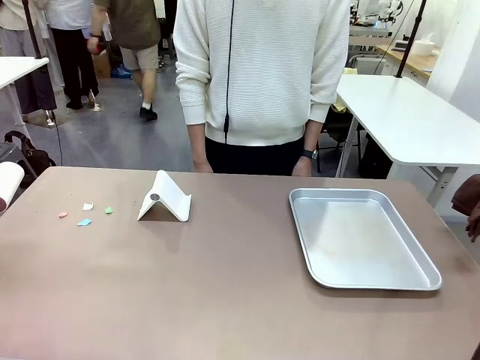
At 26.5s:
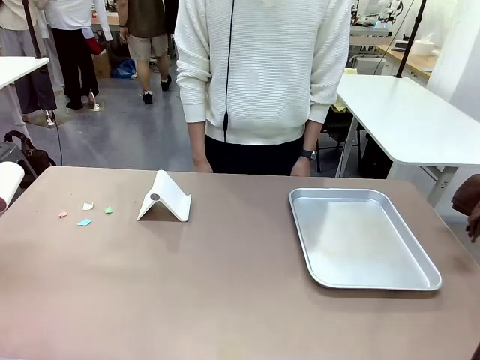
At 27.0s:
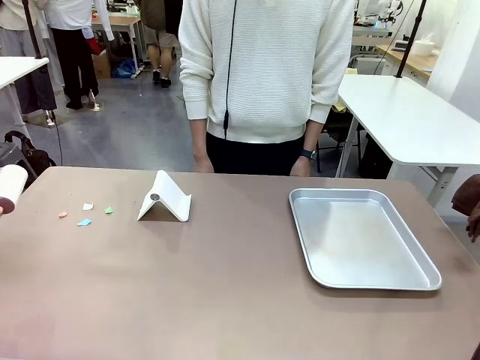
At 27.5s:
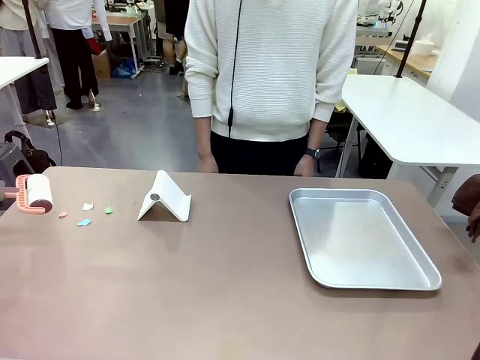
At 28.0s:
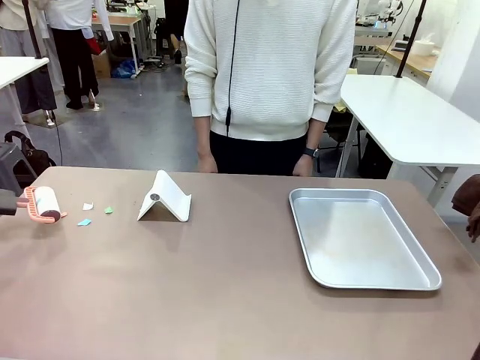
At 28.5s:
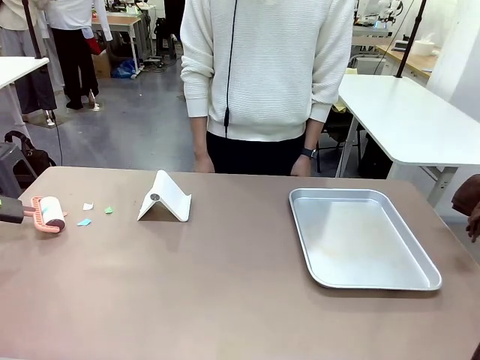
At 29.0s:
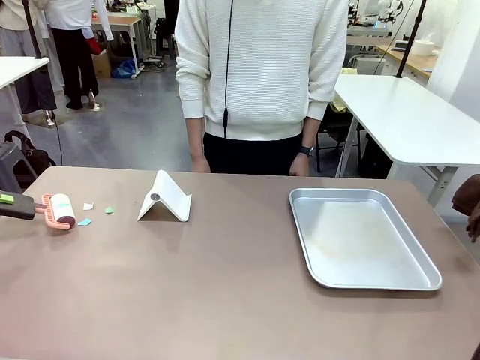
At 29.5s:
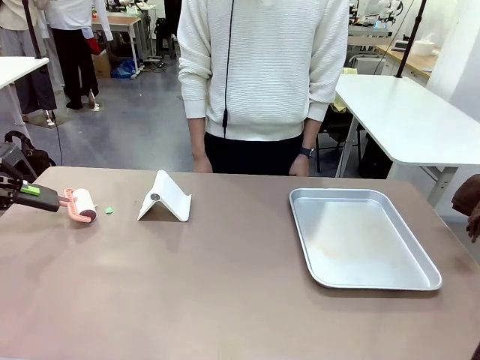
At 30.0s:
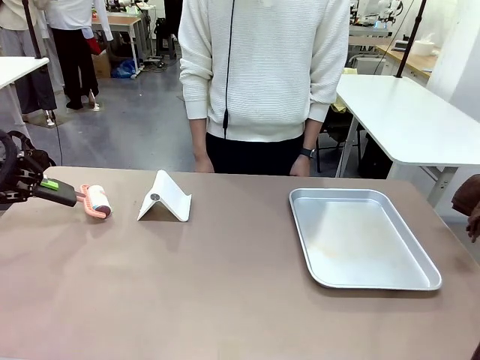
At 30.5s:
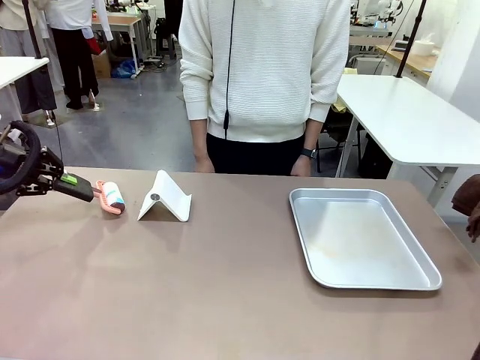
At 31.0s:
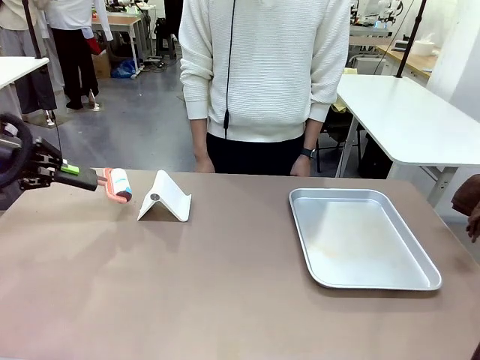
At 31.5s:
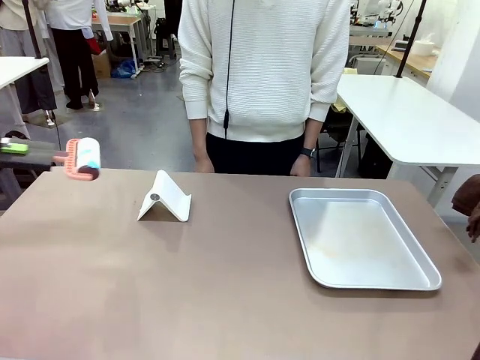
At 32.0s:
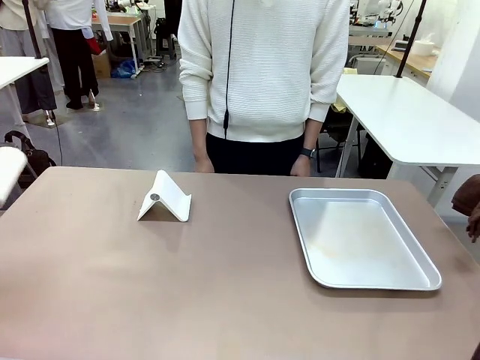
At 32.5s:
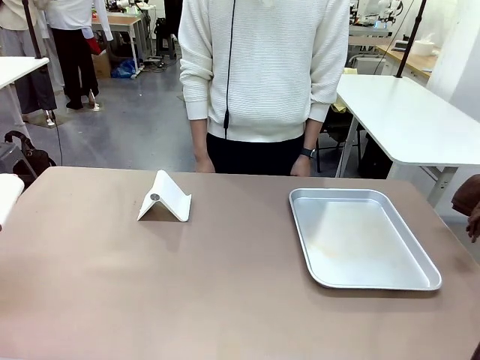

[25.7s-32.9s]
Task: Clean the surface of the table.
Robot: Clean the area not pointed to by the person.

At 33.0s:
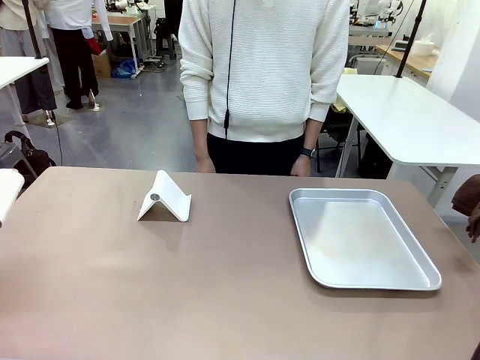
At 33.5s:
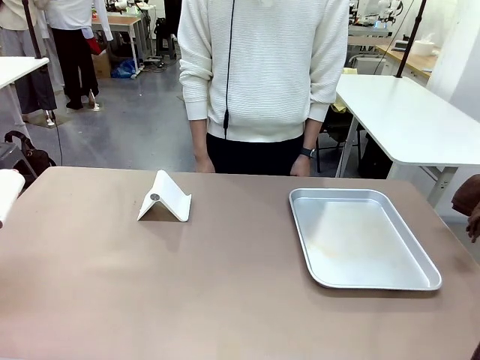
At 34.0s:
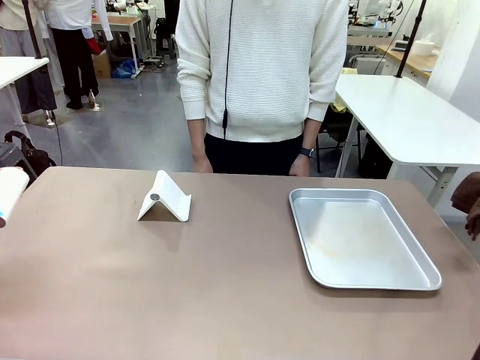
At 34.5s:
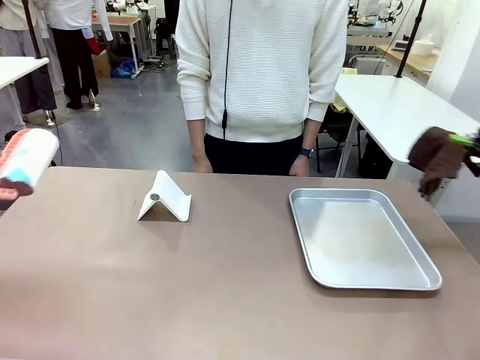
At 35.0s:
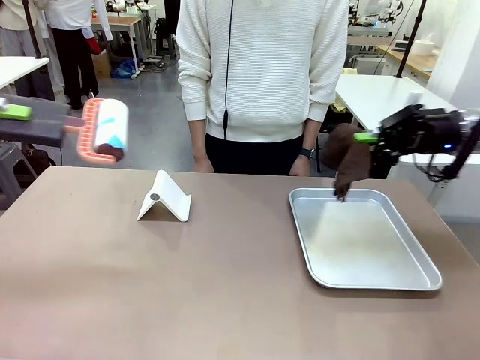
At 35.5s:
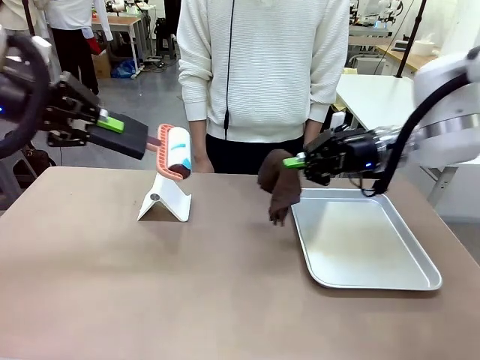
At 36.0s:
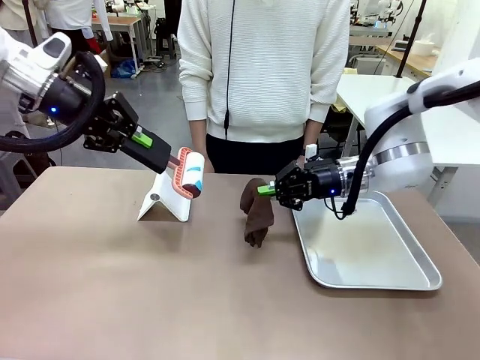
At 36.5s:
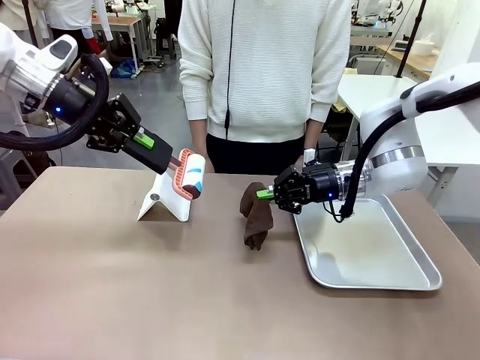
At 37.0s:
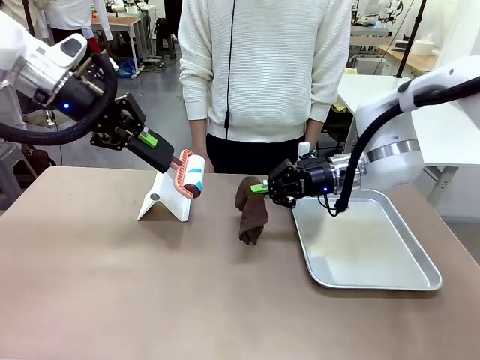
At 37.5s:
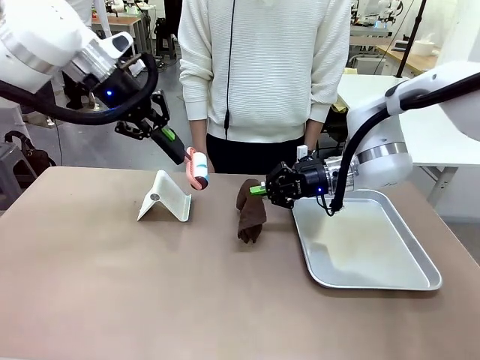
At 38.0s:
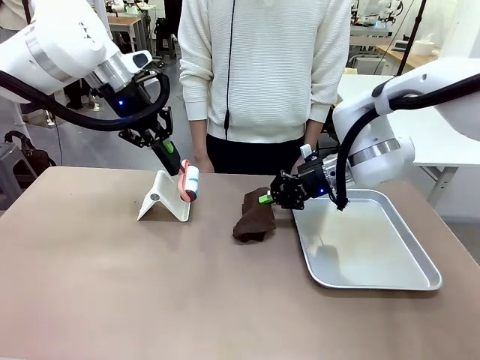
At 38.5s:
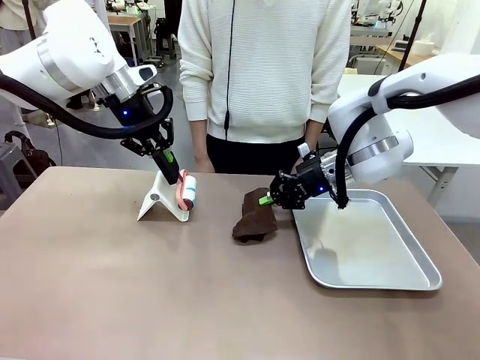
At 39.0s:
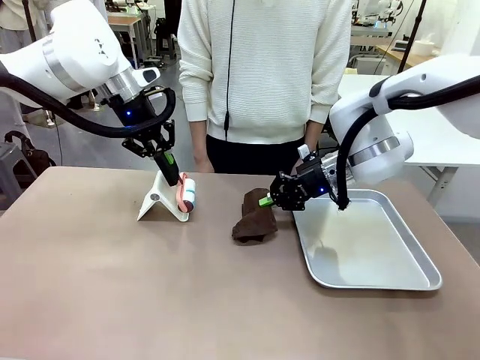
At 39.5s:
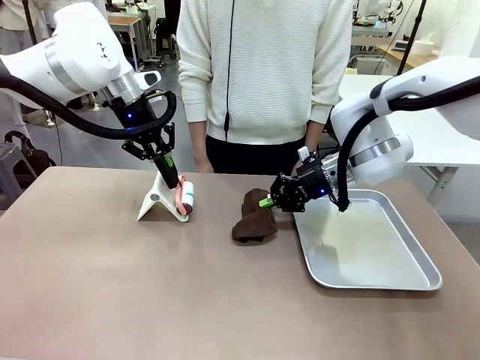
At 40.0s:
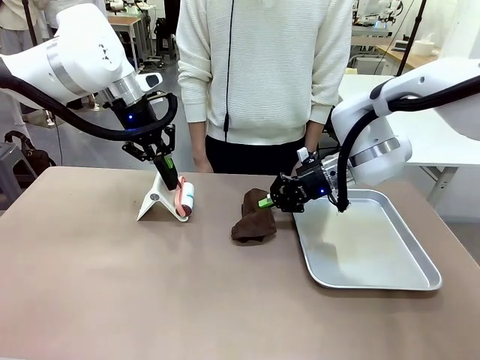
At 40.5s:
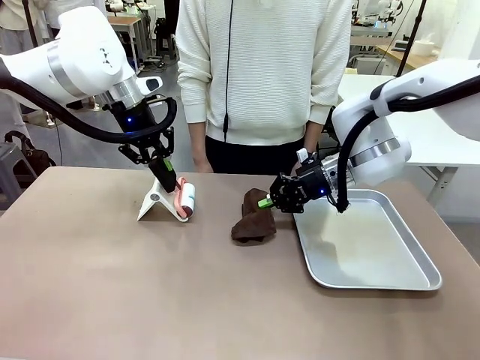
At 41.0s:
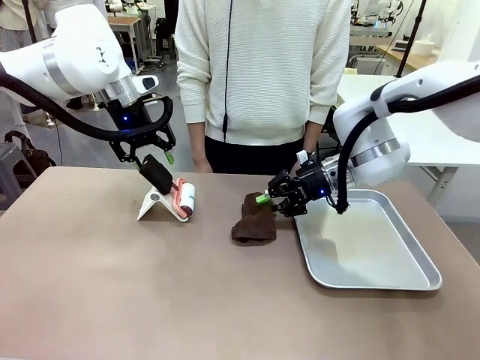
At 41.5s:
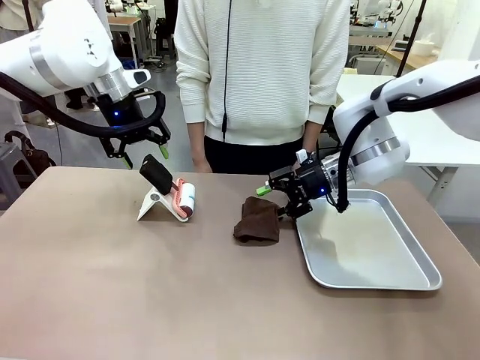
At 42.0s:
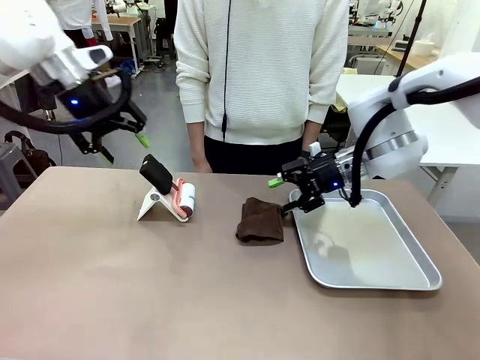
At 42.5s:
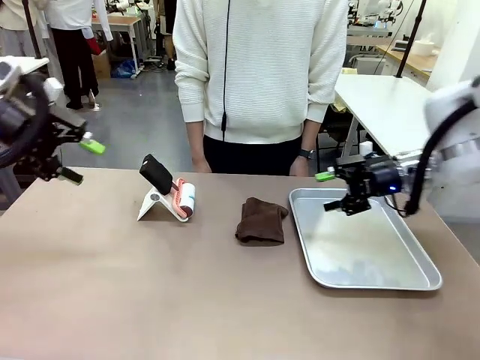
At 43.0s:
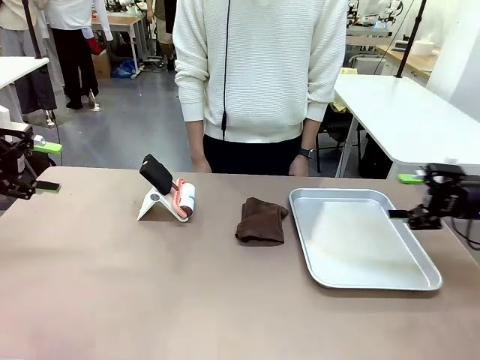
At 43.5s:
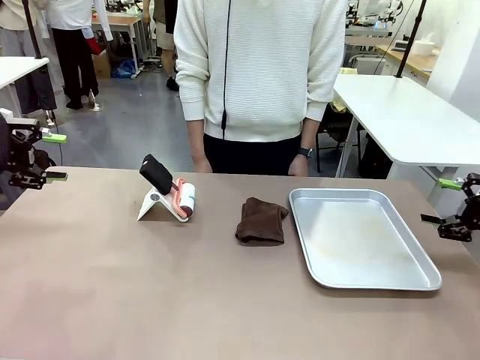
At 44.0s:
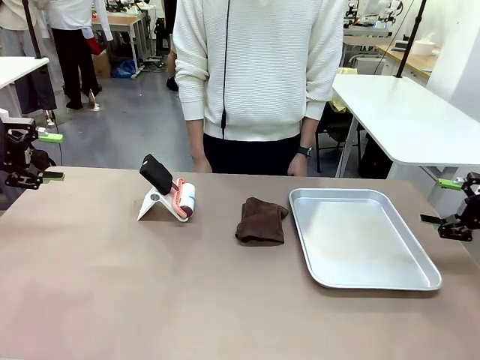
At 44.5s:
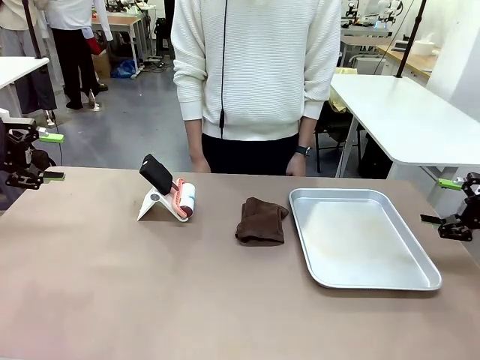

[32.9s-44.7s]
Robot: Return the Lint Roller and towel to their original positions.

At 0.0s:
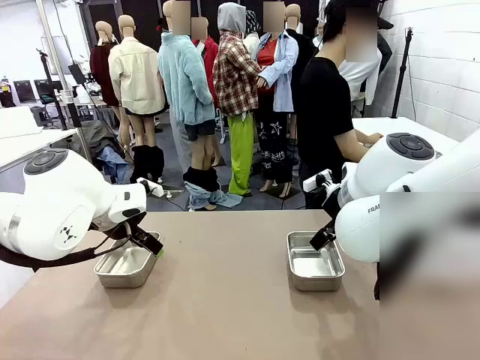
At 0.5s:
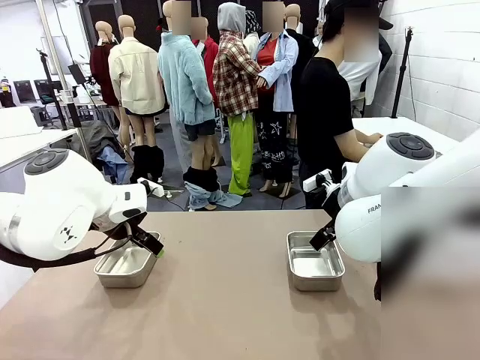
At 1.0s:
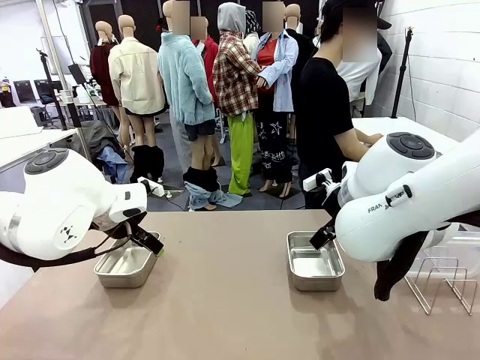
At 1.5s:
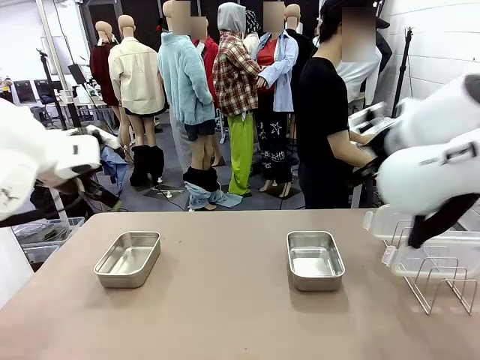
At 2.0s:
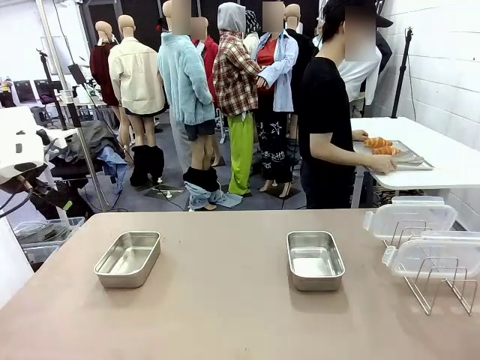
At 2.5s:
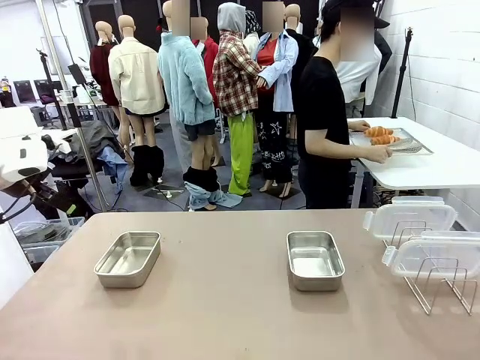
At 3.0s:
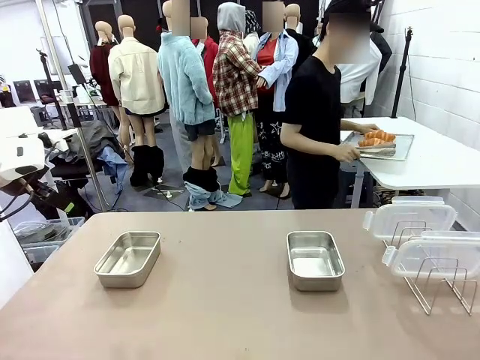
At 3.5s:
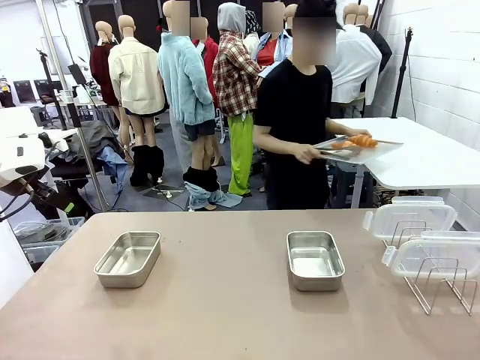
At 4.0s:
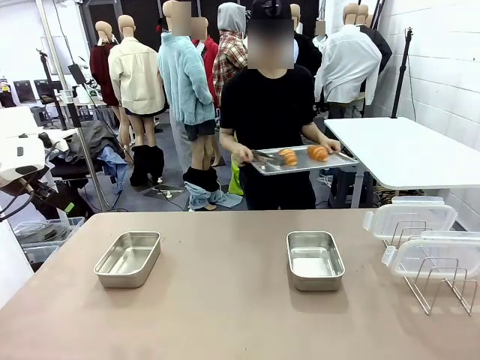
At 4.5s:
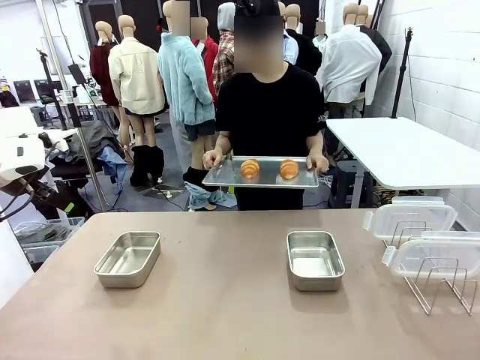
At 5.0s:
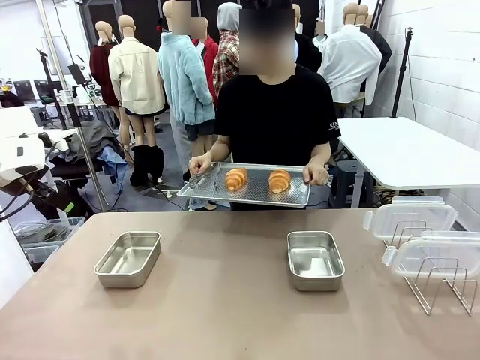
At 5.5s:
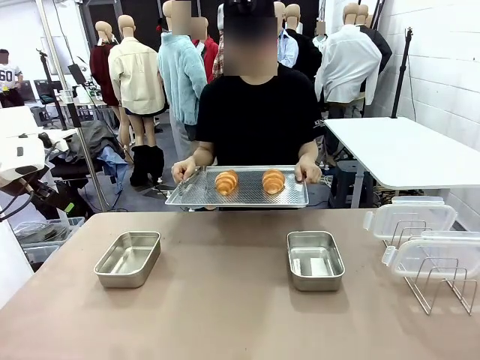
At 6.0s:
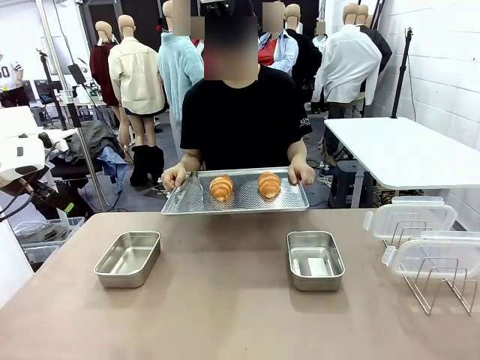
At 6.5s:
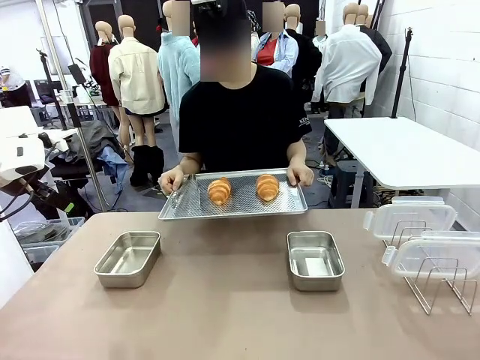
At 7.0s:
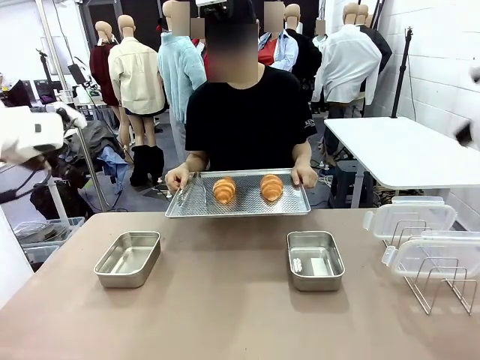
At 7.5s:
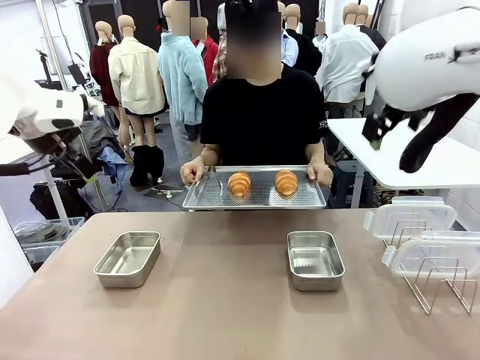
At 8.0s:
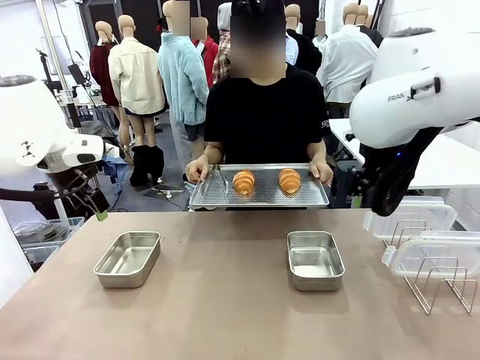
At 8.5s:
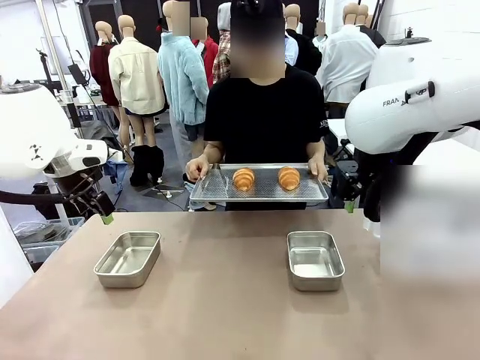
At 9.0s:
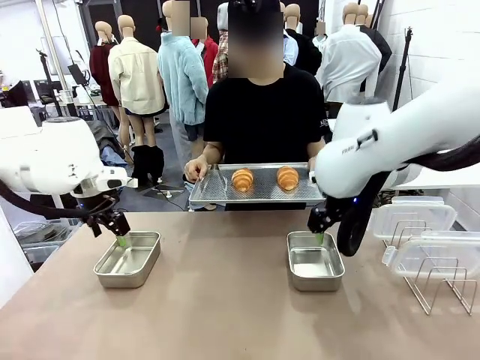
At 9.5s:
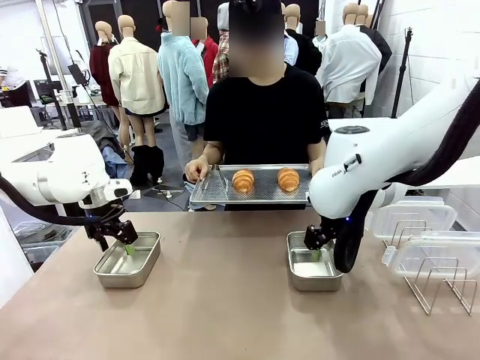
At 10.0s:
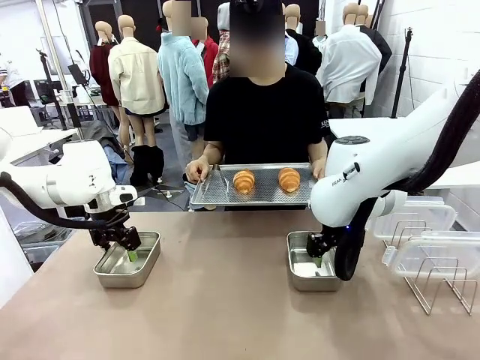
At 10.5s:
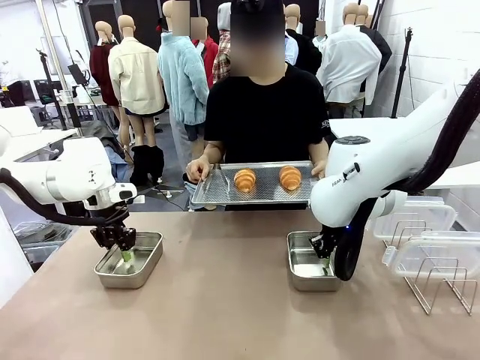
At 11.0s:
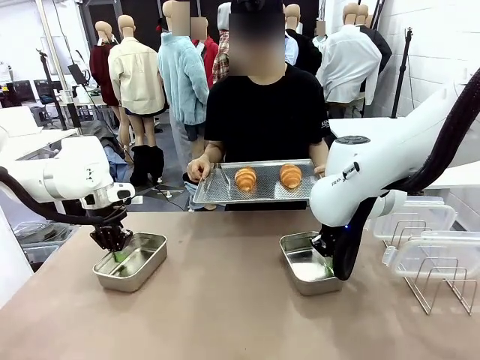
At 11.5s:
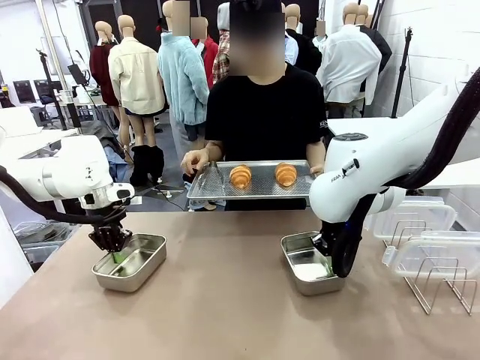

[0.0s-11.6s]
Task: Place the bread in airtight containers.
Robot: Lift both Airtight Container.
Person: Bring the Baking Sheet in front of Robot's Table.
